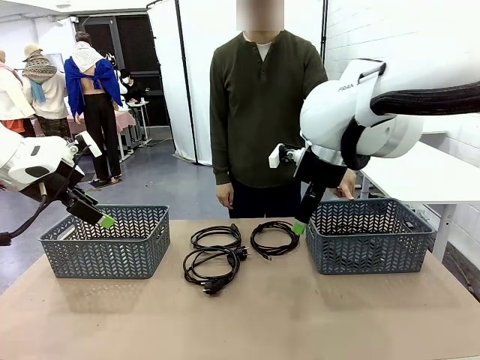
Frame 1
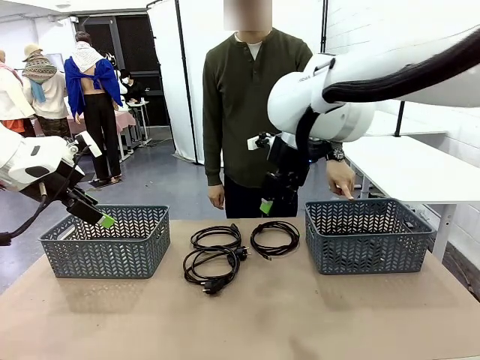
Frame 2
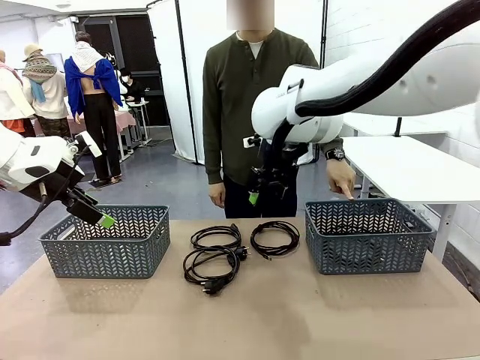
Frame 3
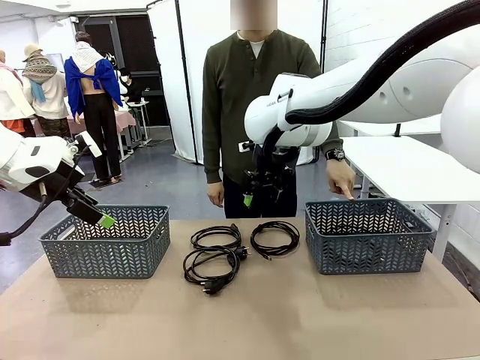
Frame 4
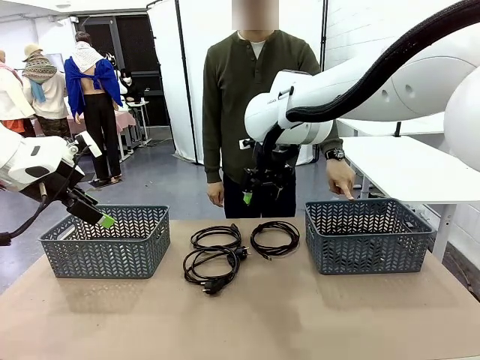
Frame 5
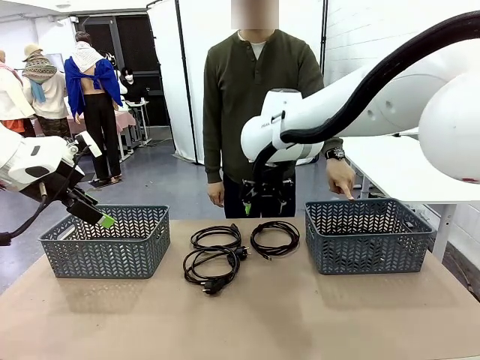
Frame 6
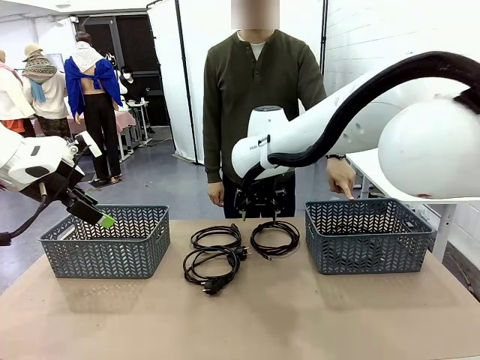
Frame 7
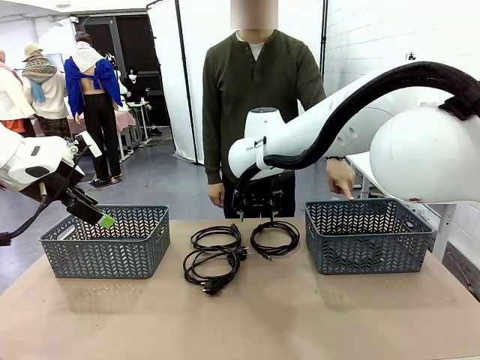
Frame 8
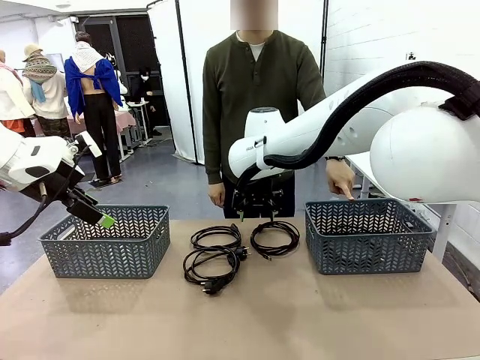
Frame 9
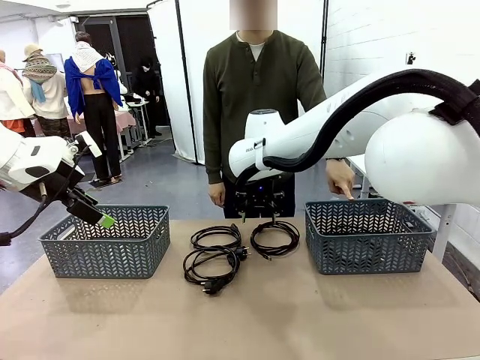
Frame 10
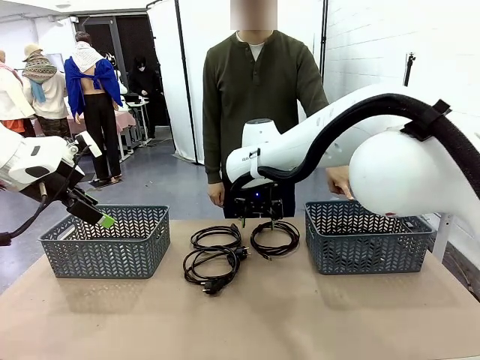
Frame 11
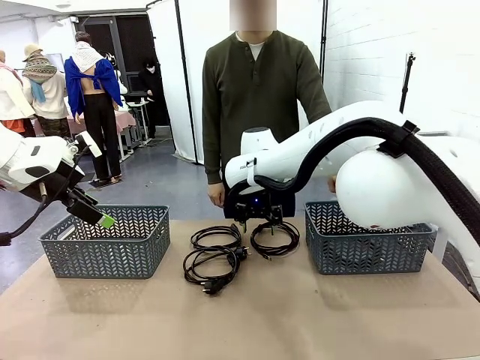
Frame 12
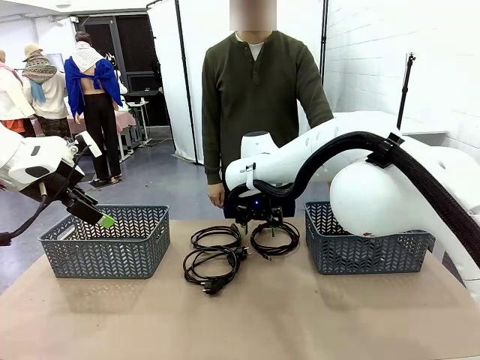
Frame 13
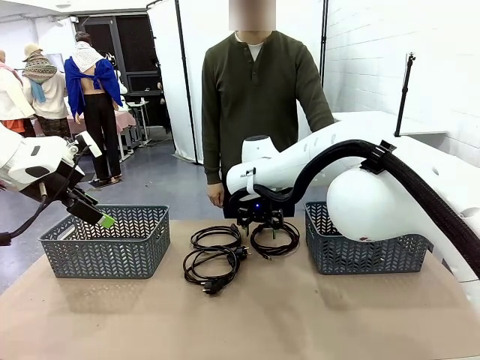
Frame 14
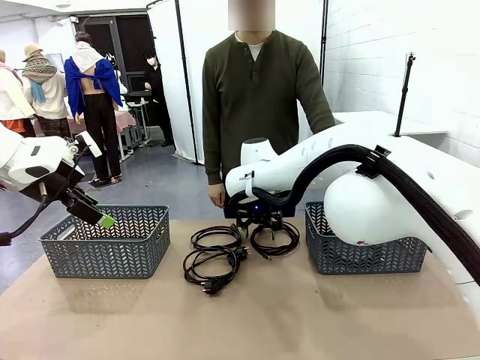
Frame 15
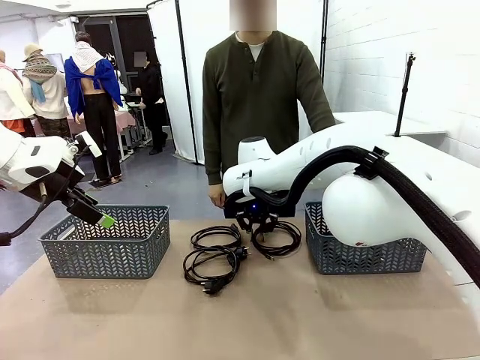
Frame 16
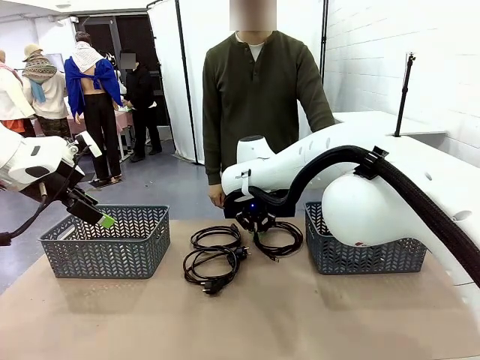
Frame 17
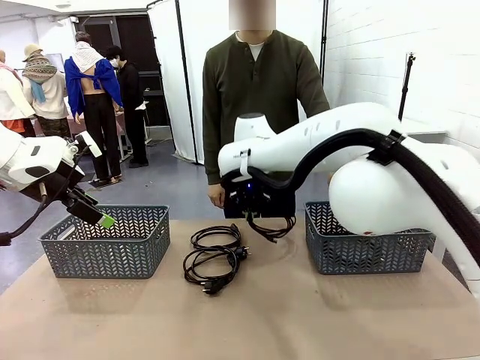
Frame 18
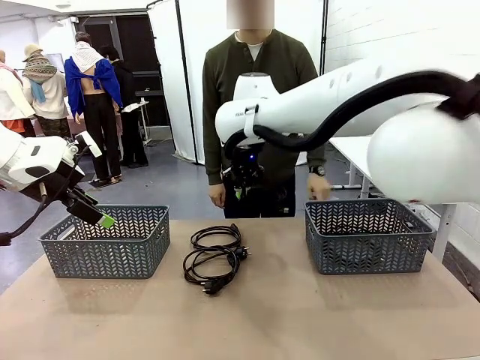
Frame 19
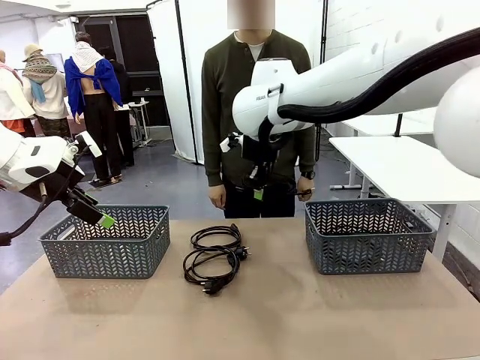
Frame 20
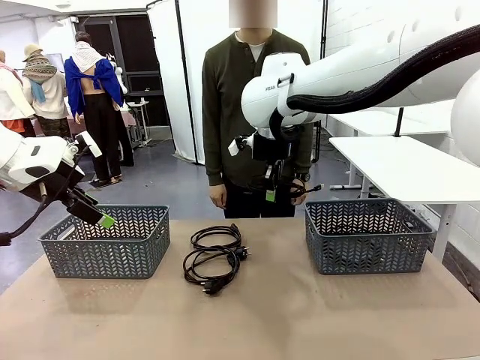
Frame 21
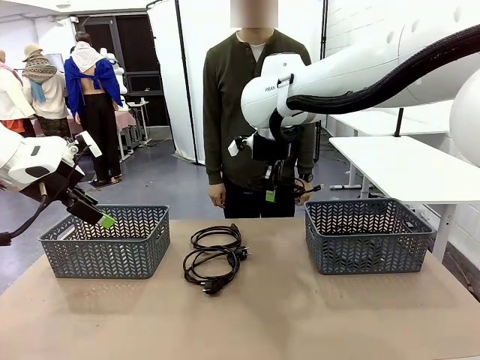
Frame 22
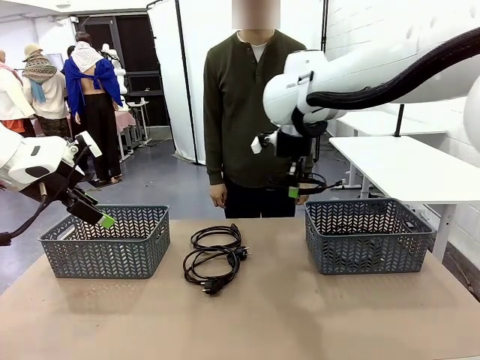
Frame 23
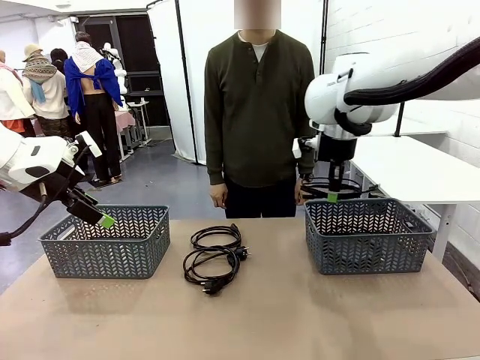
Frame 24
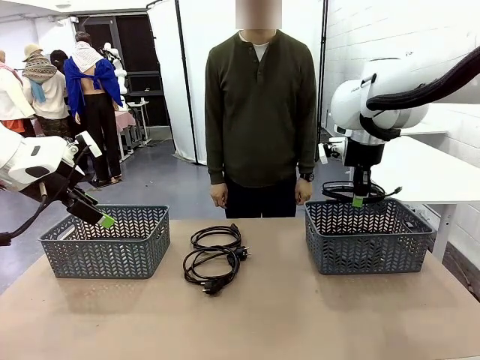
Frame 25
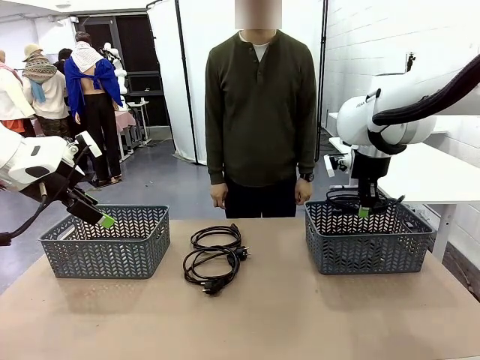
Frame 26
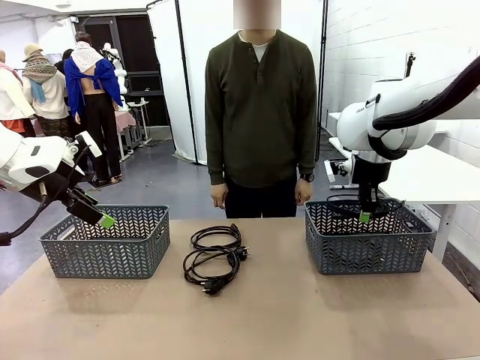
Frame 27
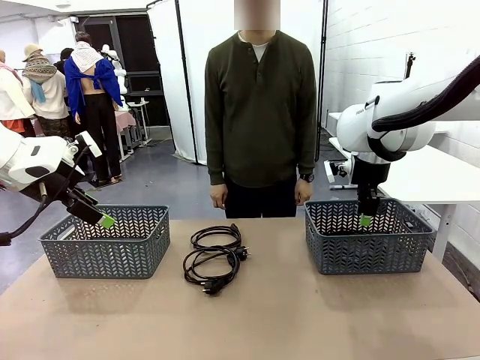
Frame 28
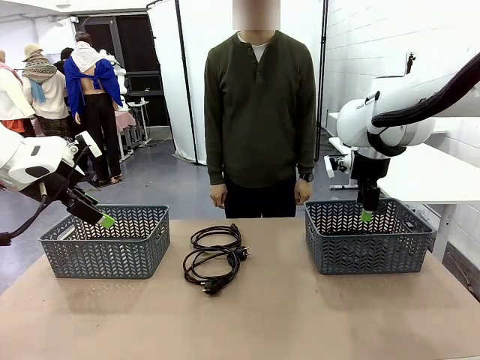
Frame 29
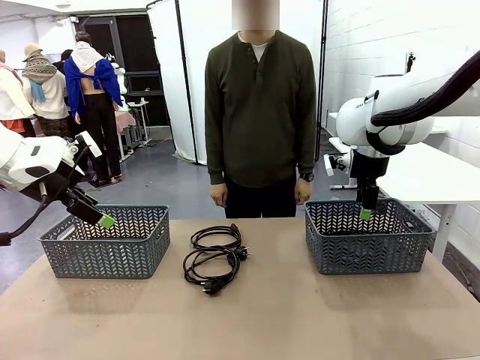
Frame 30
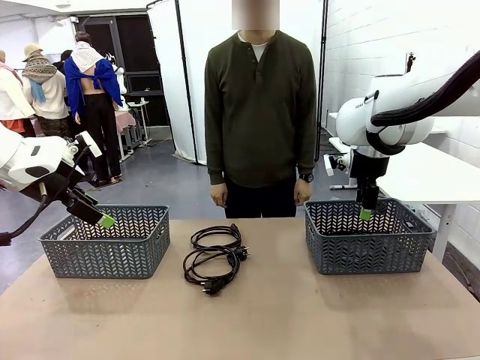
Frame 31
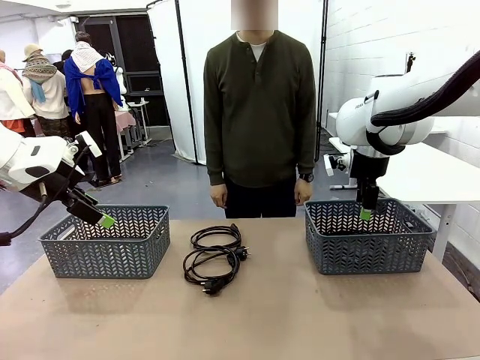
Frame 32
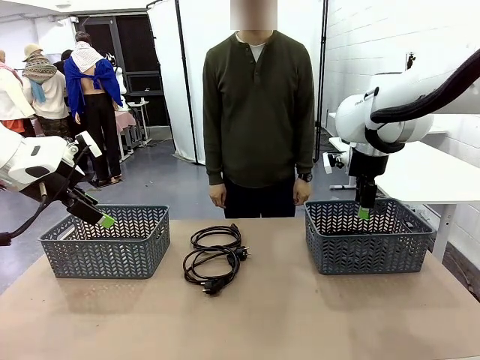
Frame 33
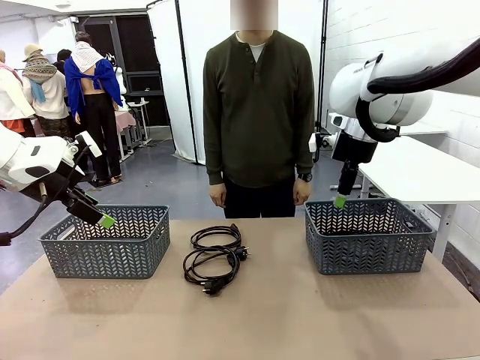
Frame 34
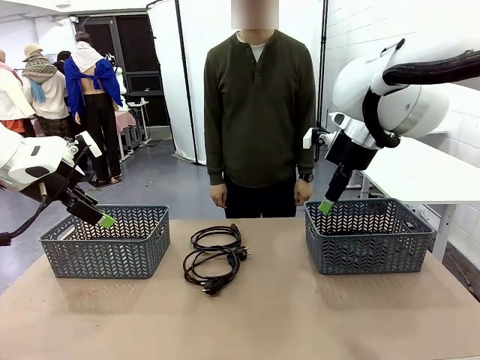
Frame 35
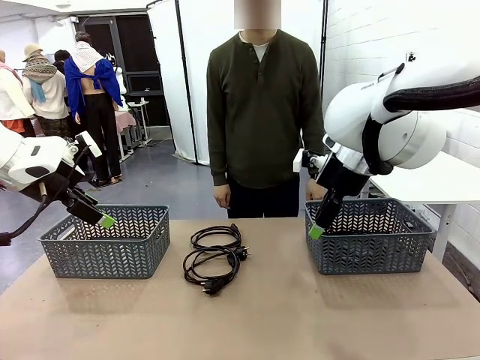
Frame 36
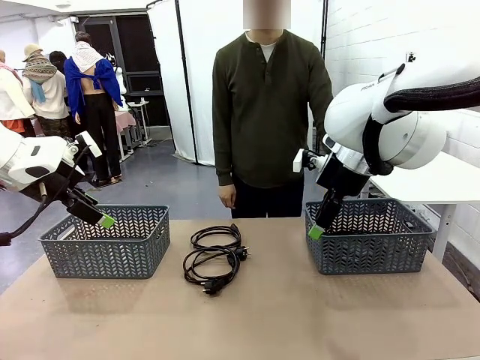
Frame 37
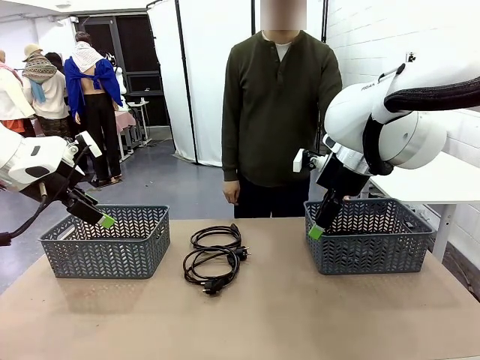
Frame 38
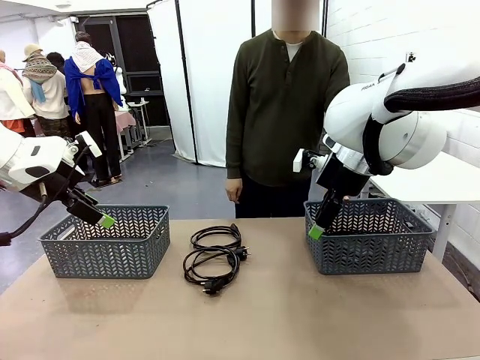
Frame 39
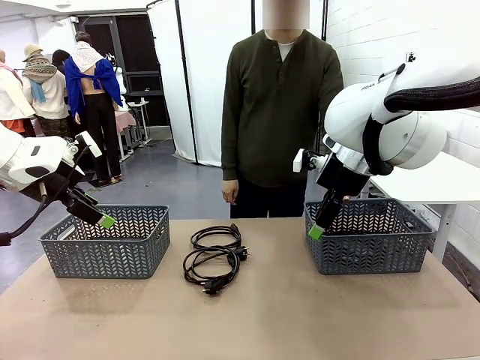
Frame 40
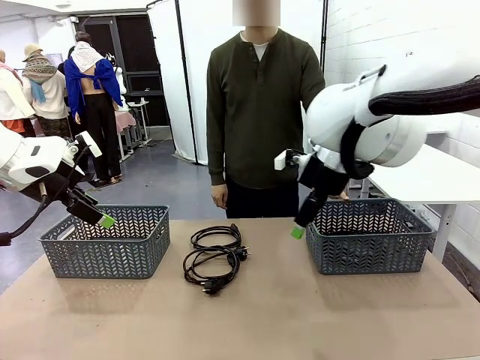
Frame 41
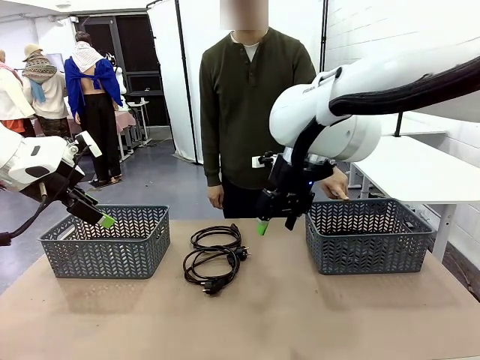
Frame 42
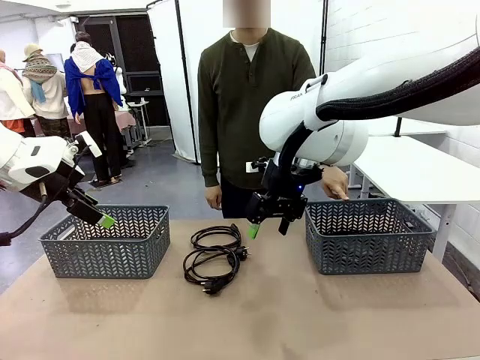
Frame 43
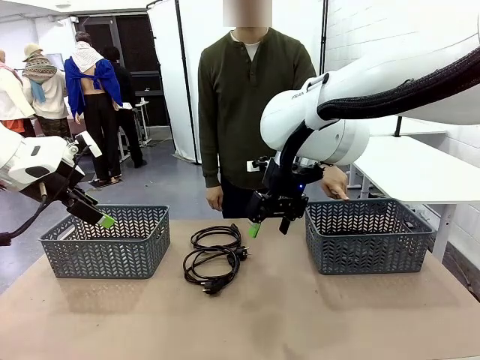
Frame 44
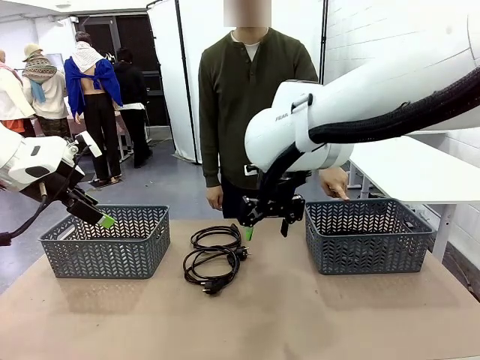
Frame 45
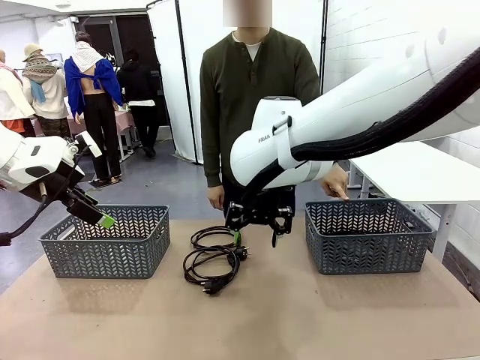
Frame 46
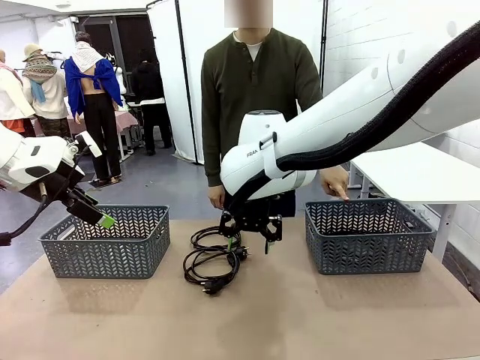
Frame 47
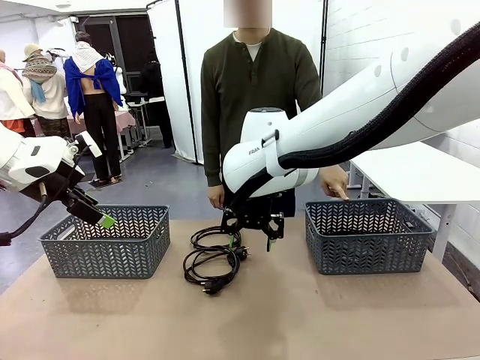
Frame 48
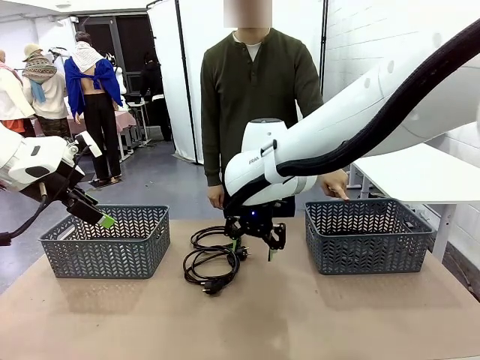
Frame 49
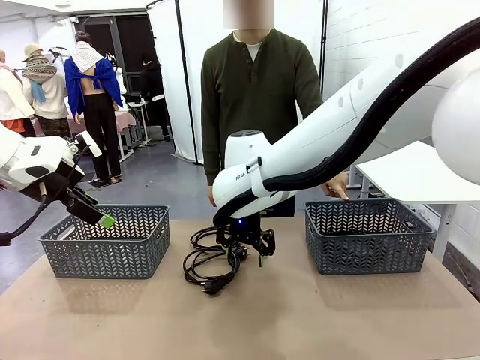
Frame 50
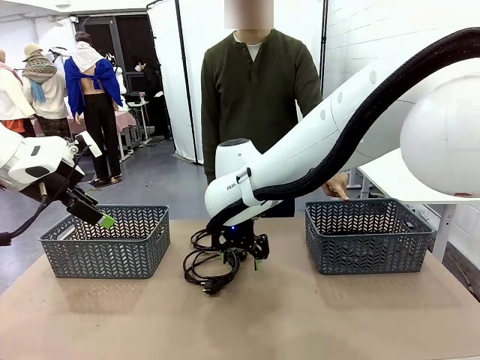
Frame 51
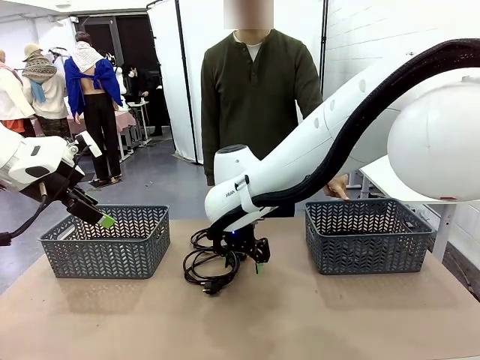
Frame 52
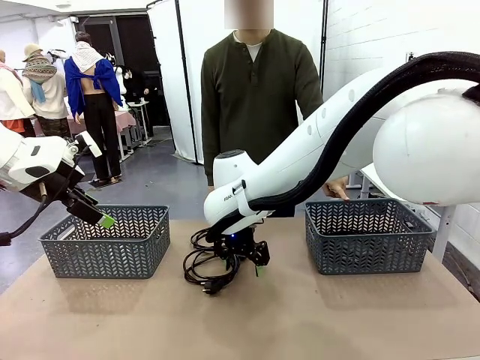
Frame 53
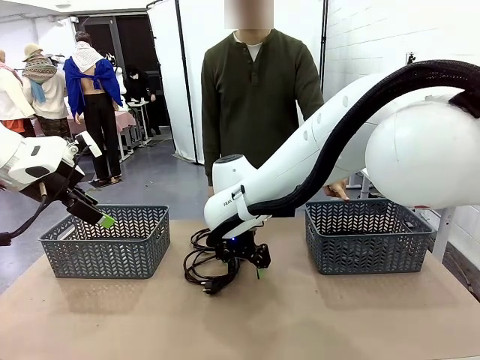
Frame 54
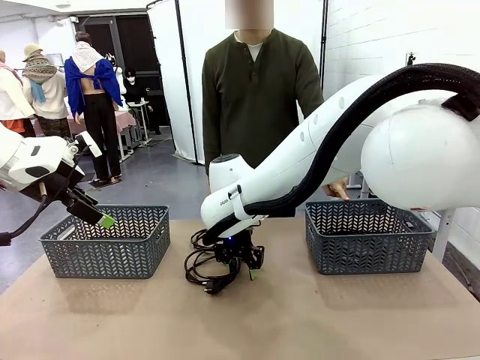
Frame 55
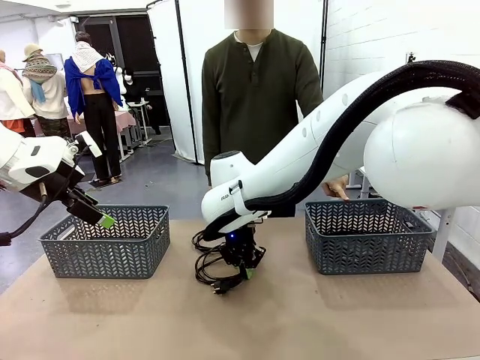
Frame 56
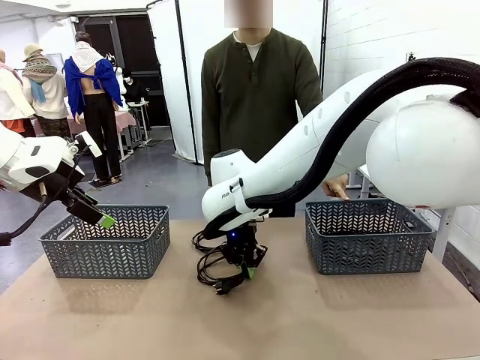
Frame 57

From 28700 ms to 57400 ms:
Task: Organize the cables according to human instructions.
Robot: Pick up a bundle of cables and place it in the basket indicated by the human.
